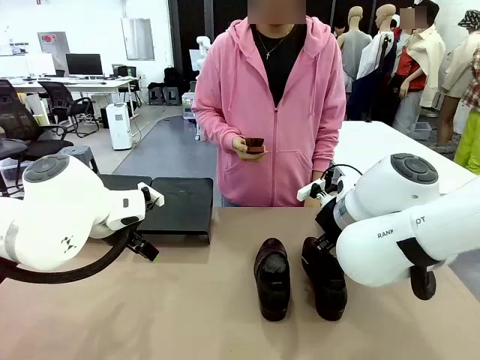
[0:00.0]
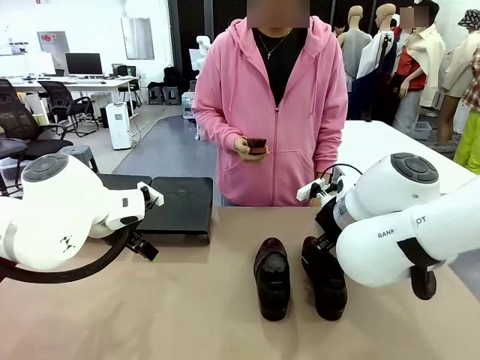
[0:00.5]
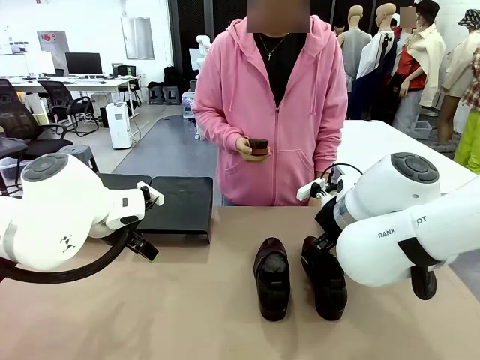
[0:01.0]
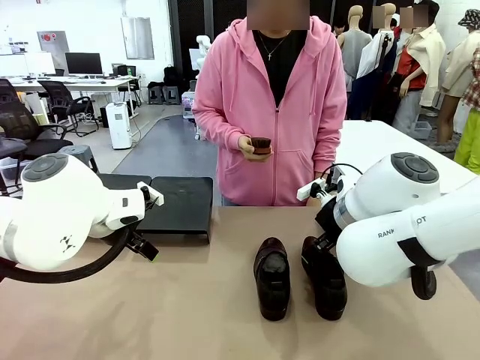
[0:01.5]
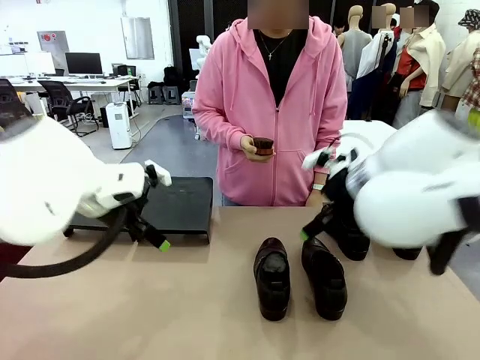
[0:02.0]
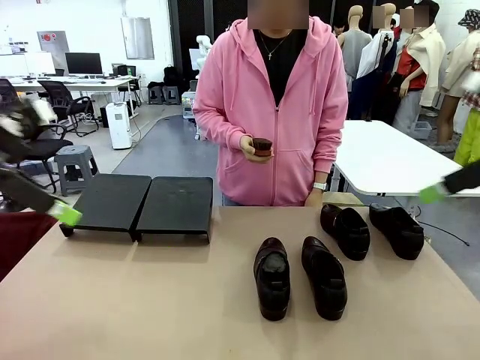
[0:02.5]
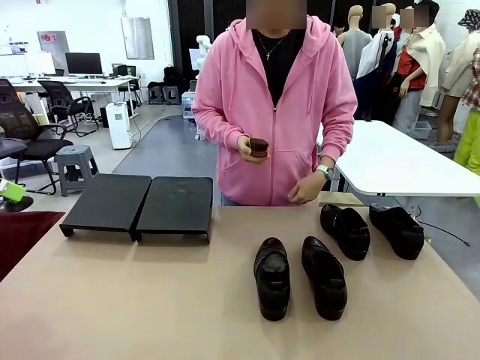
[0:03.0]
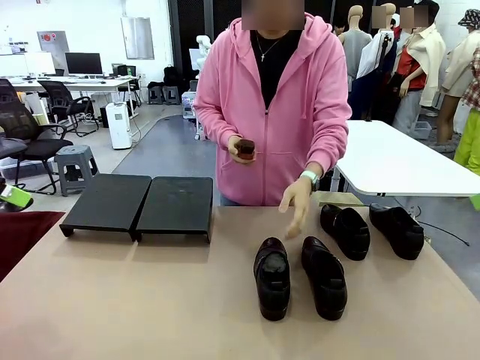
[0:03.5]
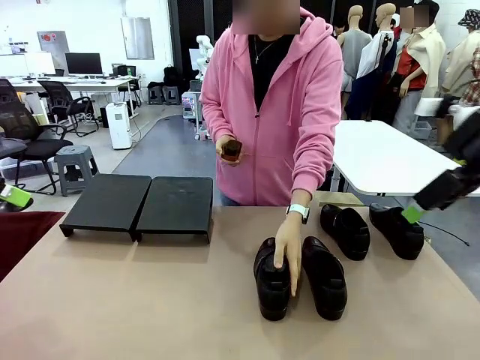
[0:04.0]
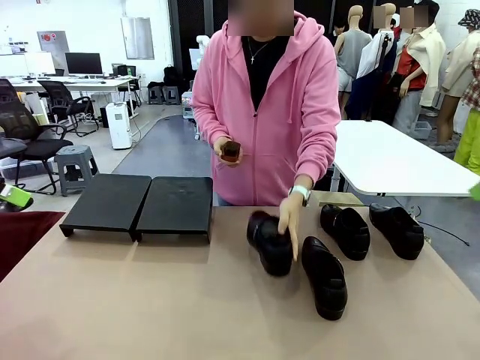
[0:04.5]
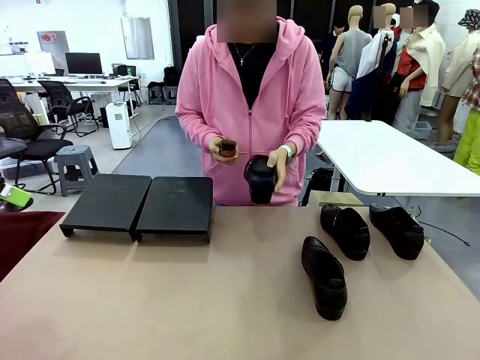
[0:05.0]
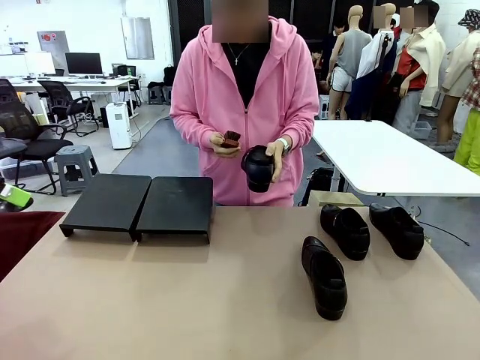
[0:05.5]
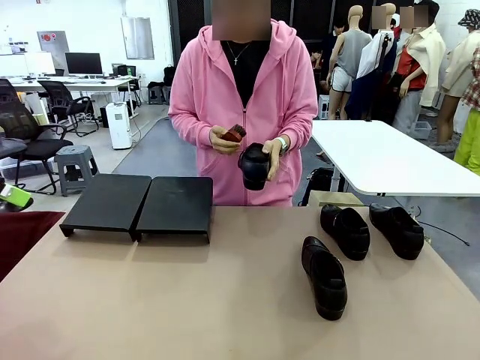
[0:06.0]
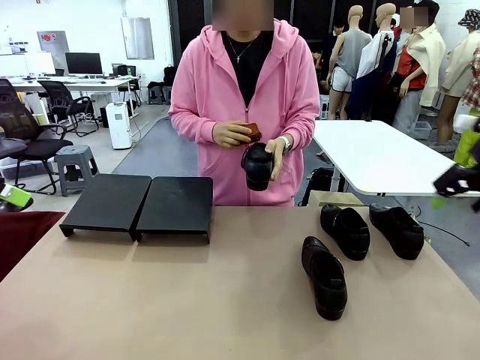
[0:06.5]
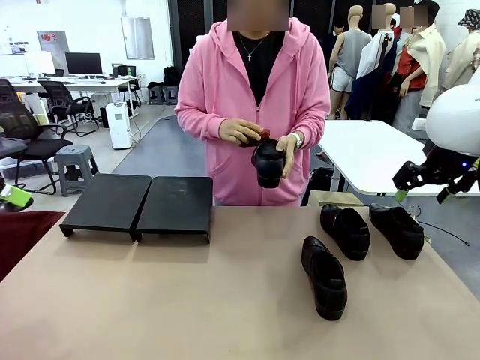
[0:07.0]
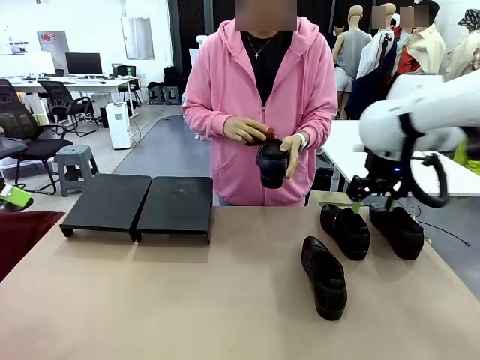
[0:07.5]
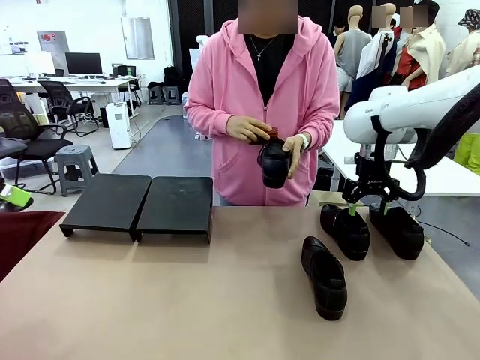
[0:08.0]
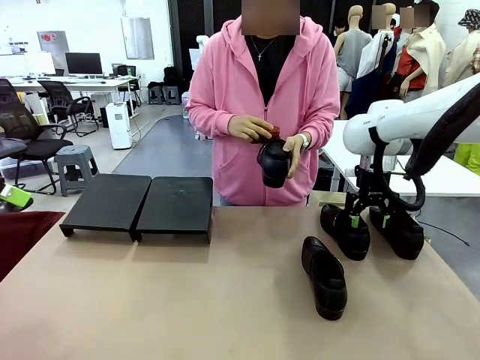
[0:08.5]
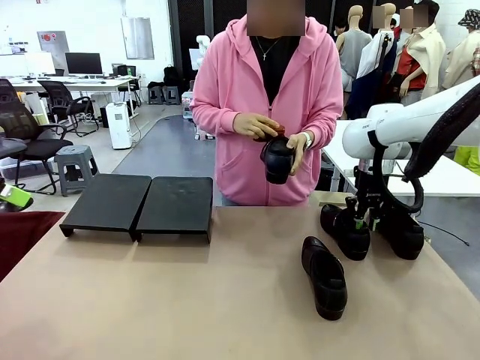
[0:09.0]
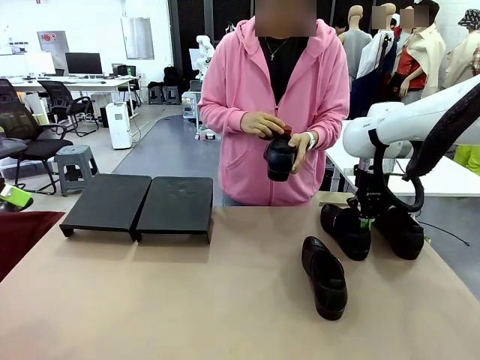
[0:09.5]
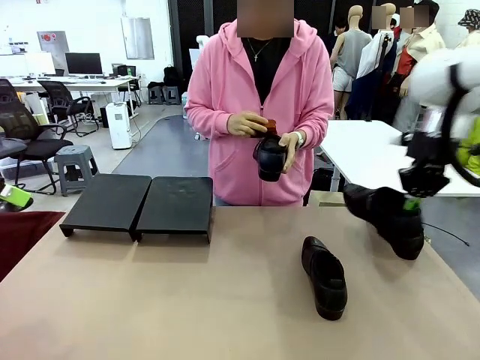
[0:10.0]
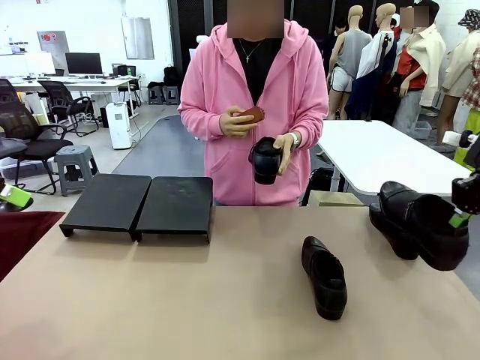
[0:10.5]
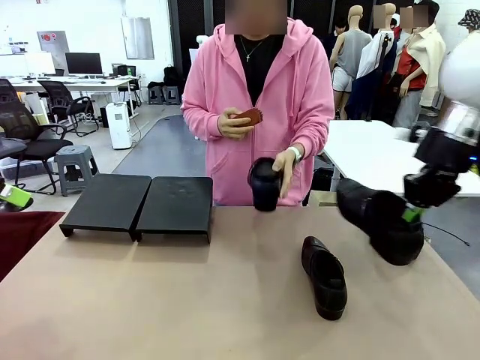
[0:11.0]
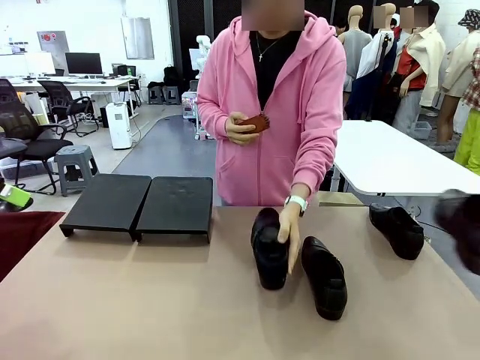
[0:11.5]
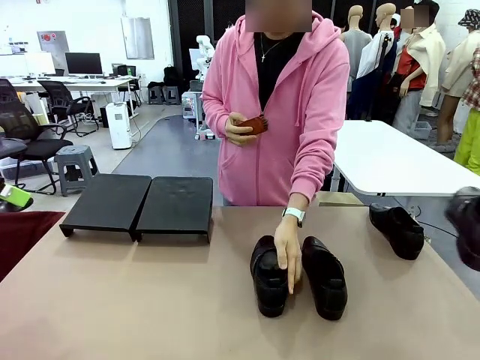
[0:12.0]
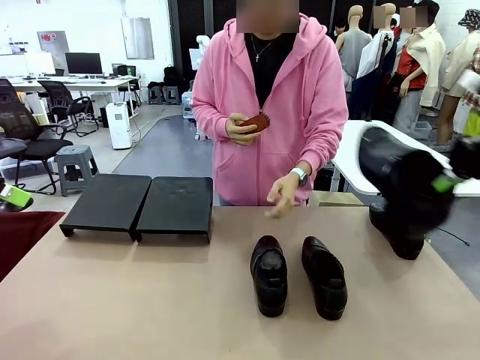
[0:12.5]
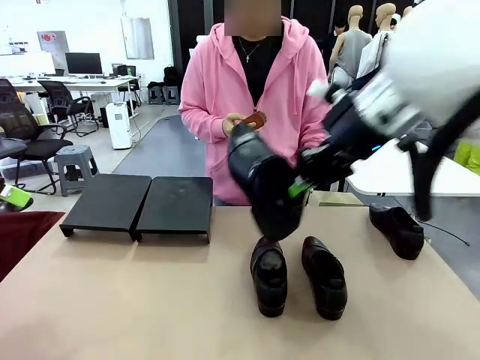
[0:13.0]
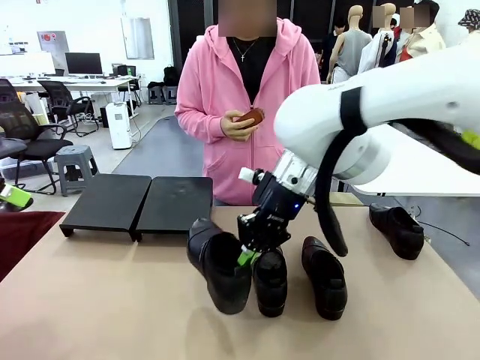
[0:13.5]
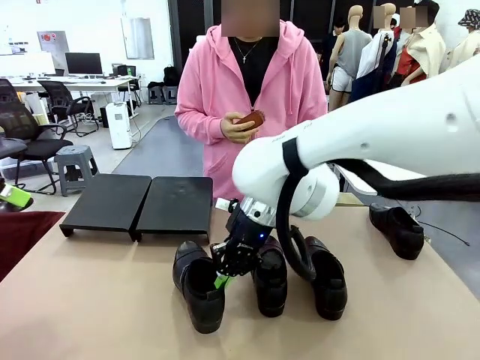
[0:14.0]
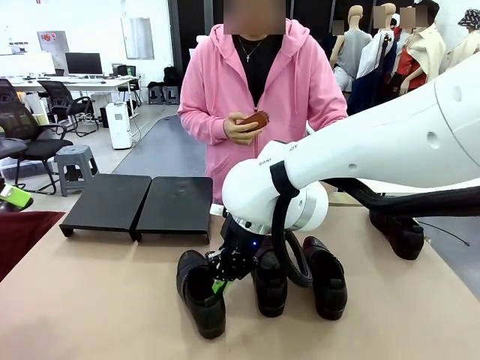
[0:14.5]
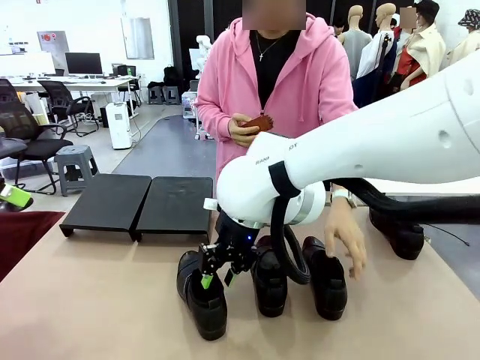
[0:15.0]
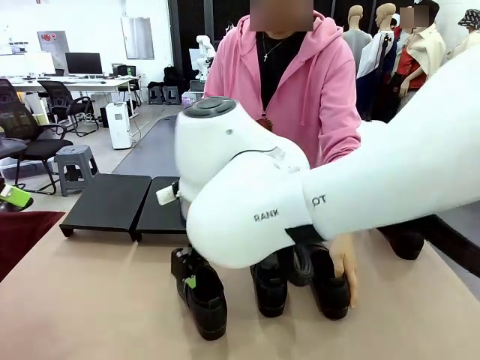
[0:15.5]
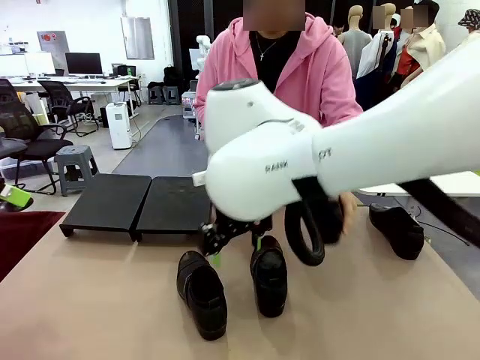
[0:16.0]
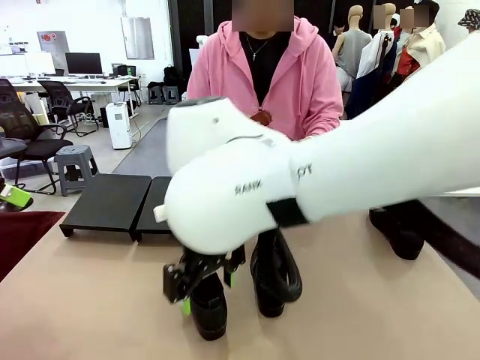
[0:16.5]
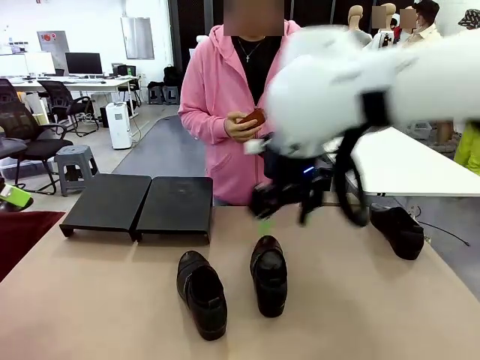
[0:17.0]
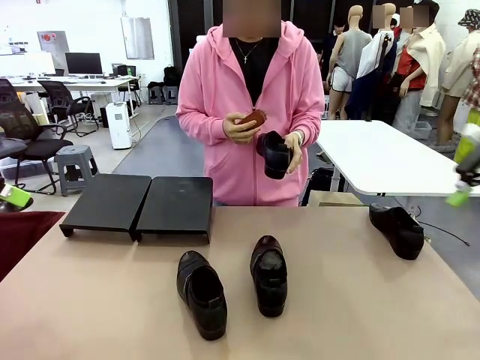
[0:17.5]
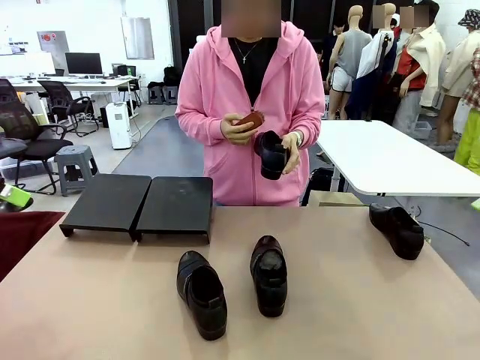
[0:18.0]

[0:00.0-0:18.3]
Task: Organize the shoes by placing them on the stand.
Robot: Pick up one Shoe and place it in the middle of the table.
Person: Pick one Shoe on Robot's table. Clean the Shoe with the Shoe Brush. Place the Shoe on left side of the Robot's table. Pick one Shoe on Robot's table.

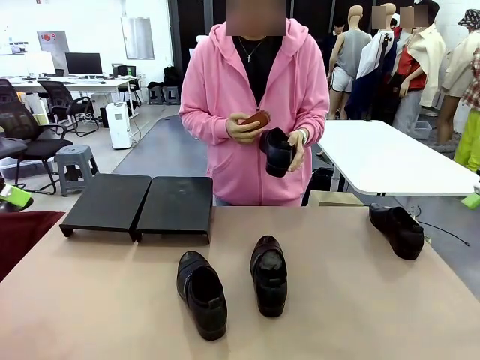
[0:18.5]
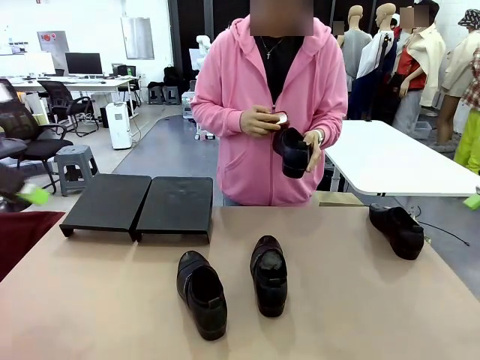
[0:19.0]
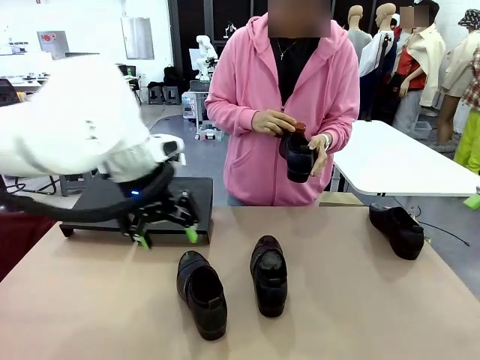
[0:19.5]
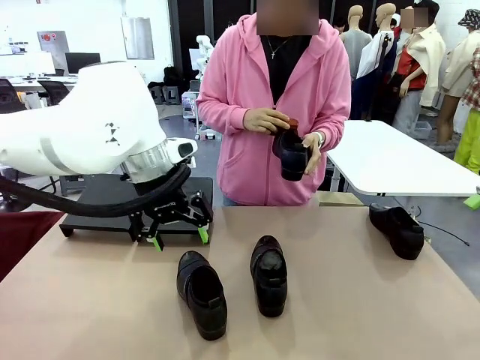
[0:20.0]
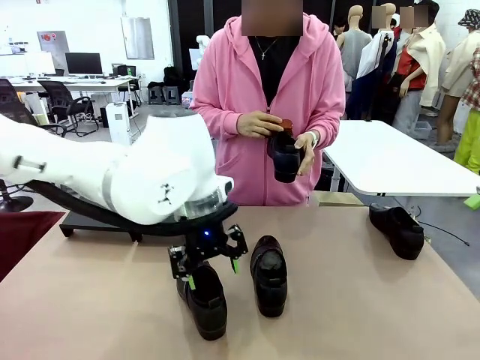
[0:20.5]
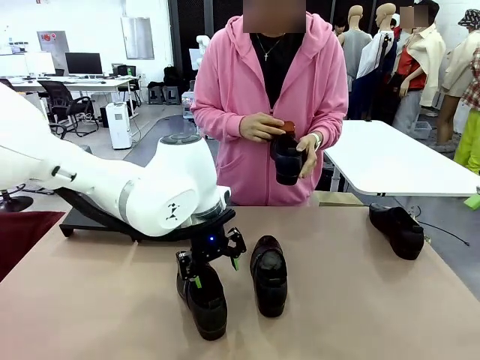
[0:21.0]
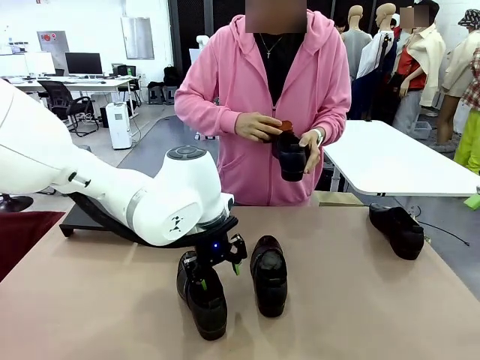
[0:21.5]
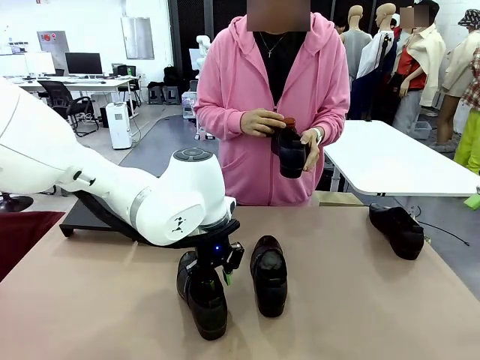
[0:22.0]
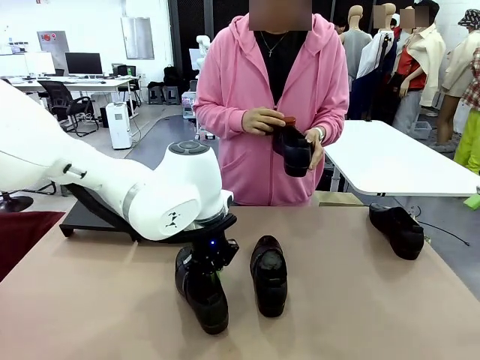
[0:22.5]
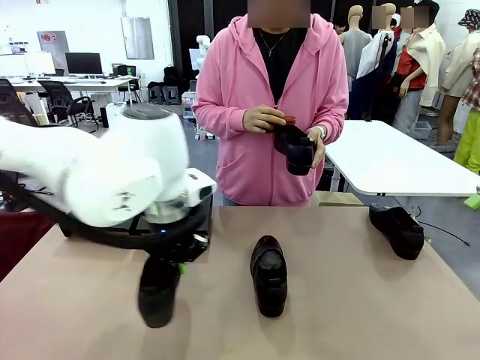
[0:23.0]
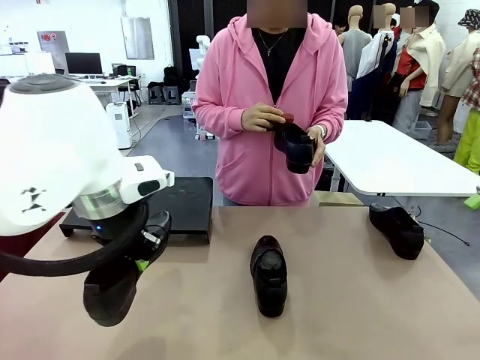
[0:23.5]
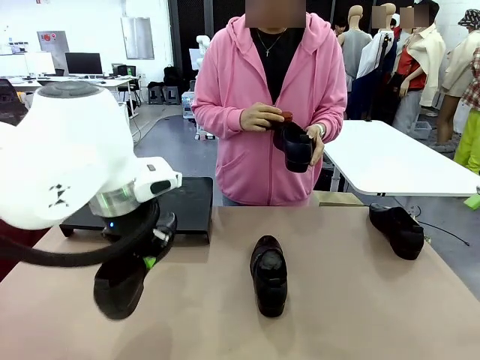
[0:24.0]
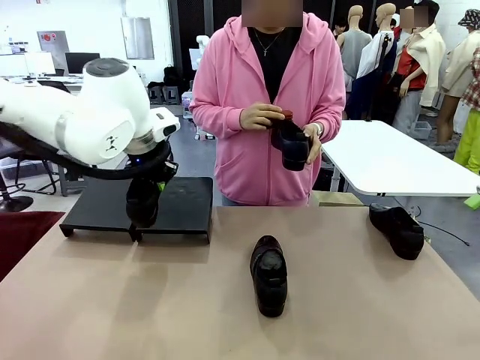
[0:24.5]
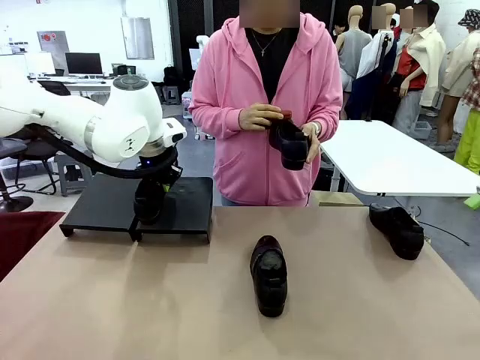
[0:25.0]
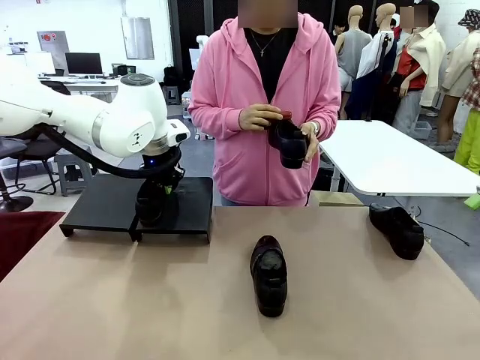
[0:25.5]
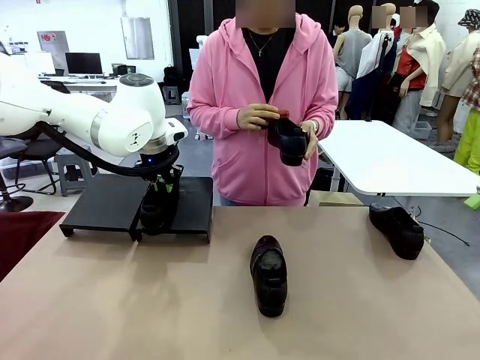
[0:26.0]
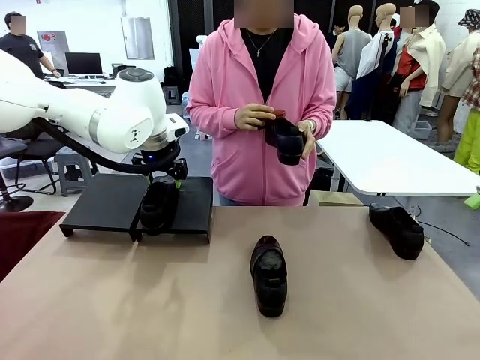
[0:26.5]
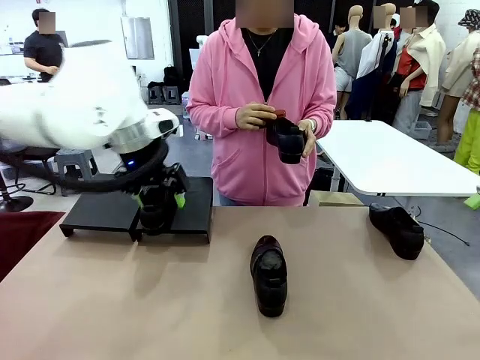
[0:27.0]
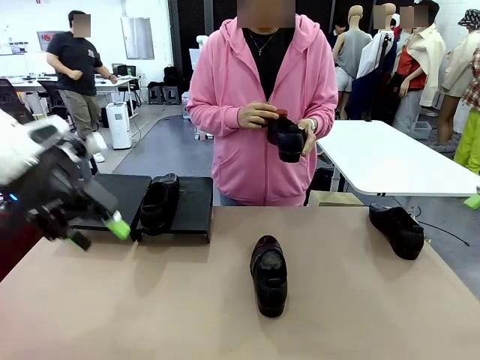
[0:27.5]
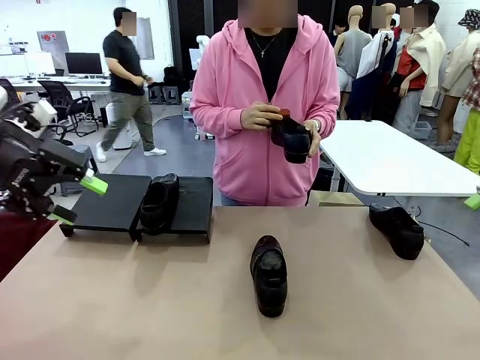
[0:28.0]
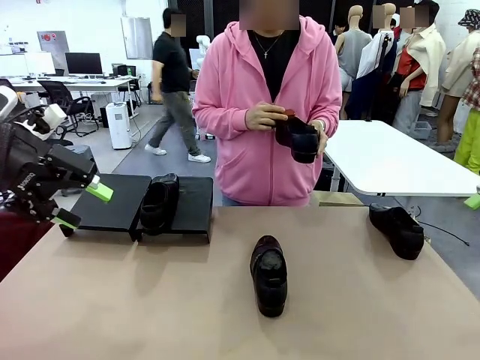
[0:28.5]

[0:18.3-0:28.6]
Robot: Place the Shoe from the middle of the table onto the Shoes Stand.
Person: Clean the Shoe with the Shoe Brush.
